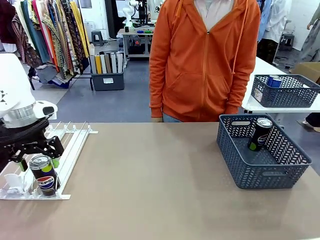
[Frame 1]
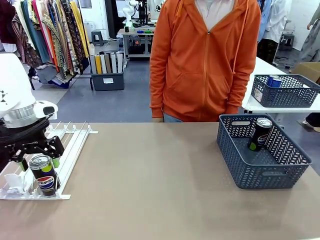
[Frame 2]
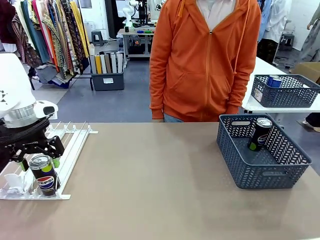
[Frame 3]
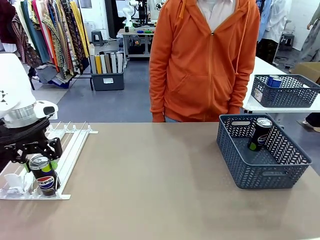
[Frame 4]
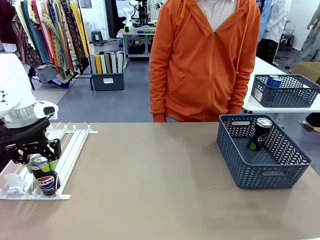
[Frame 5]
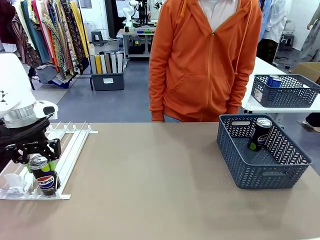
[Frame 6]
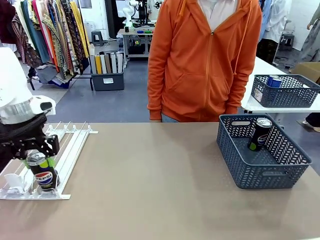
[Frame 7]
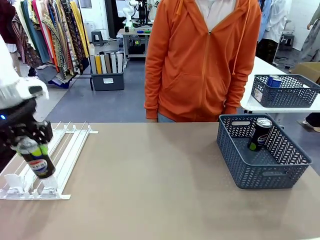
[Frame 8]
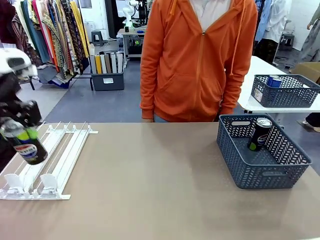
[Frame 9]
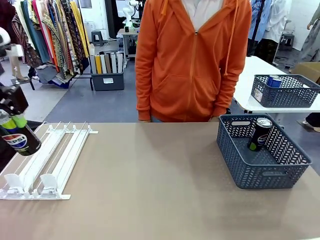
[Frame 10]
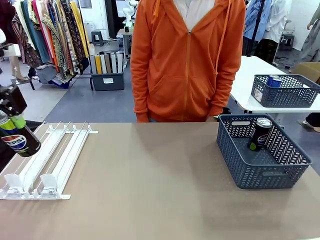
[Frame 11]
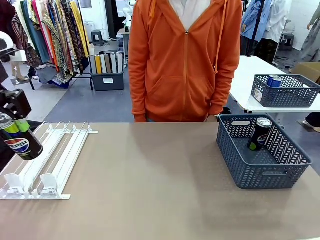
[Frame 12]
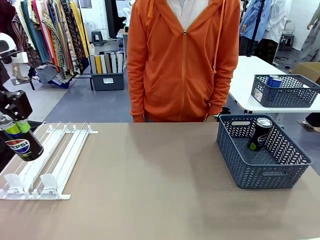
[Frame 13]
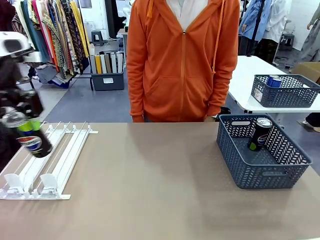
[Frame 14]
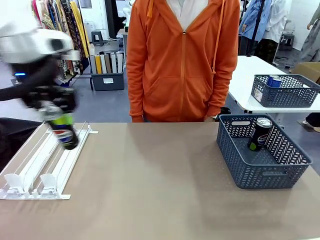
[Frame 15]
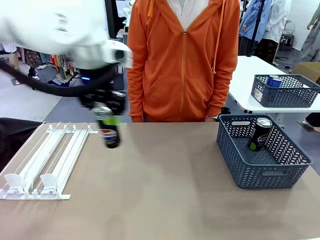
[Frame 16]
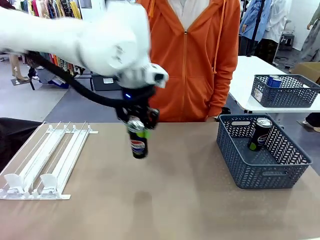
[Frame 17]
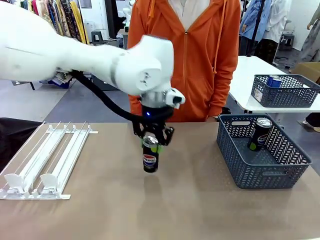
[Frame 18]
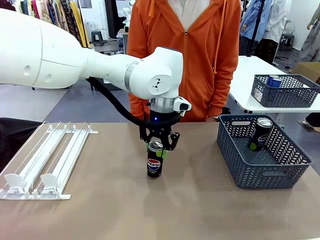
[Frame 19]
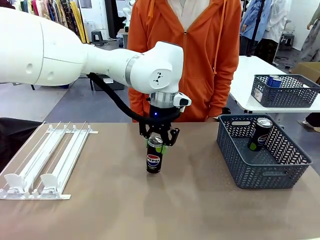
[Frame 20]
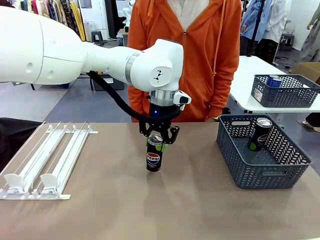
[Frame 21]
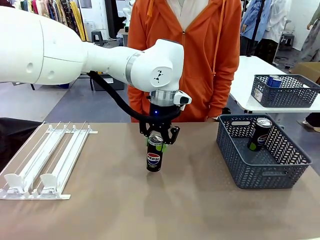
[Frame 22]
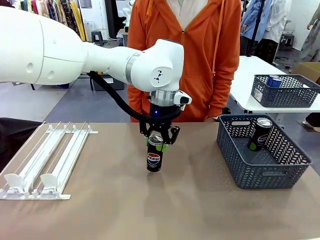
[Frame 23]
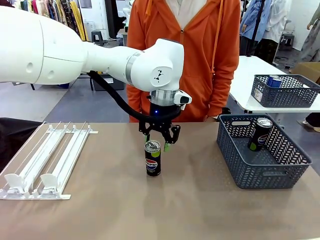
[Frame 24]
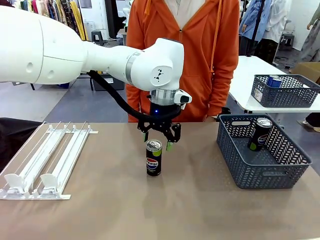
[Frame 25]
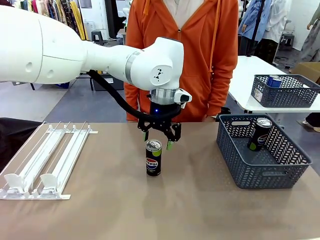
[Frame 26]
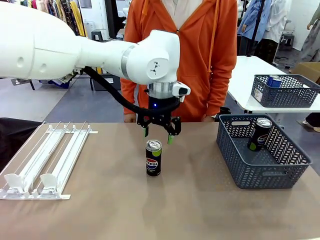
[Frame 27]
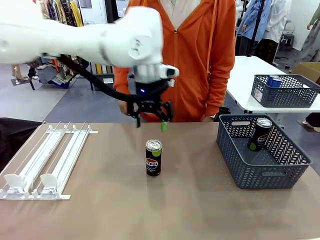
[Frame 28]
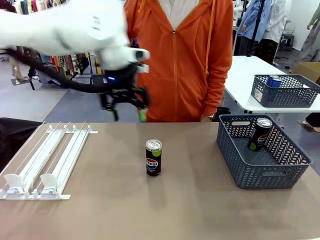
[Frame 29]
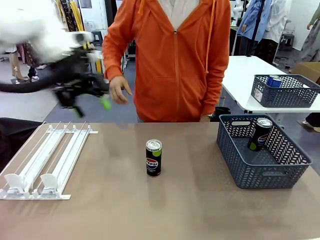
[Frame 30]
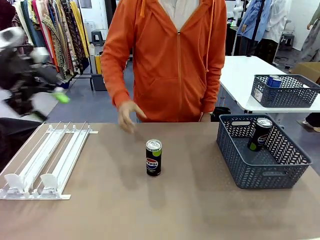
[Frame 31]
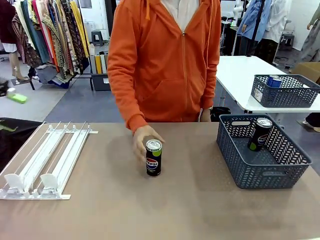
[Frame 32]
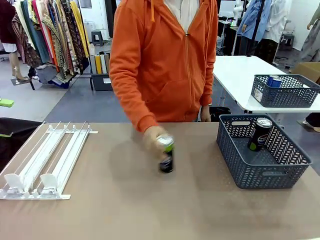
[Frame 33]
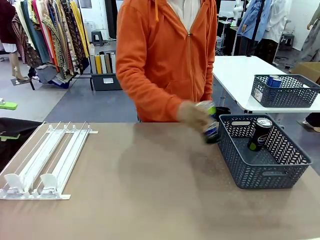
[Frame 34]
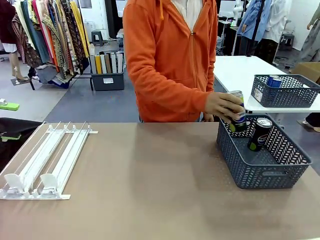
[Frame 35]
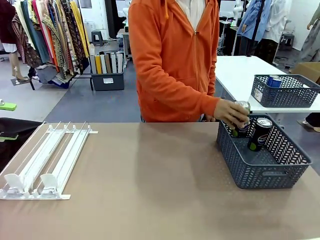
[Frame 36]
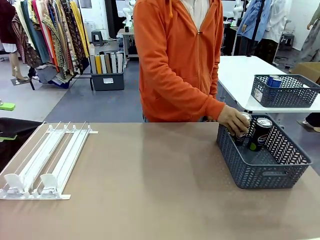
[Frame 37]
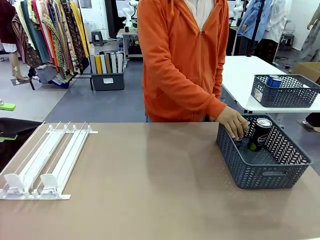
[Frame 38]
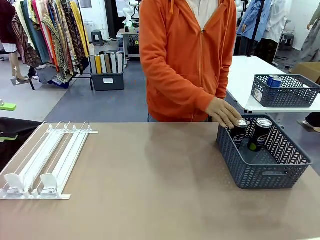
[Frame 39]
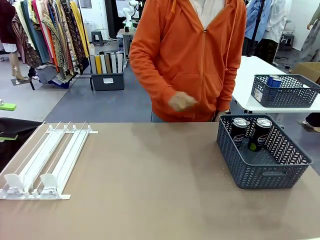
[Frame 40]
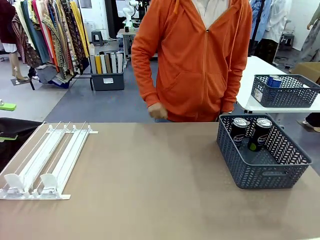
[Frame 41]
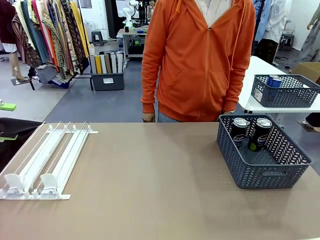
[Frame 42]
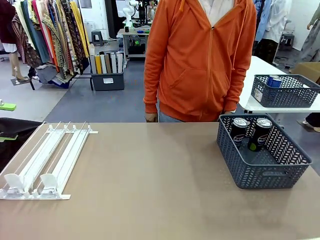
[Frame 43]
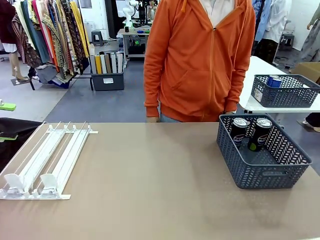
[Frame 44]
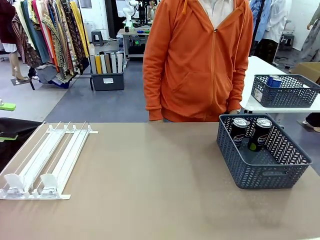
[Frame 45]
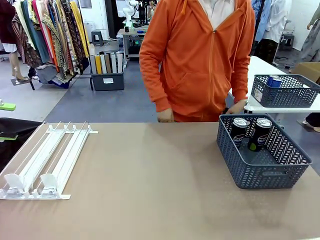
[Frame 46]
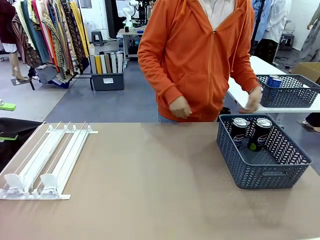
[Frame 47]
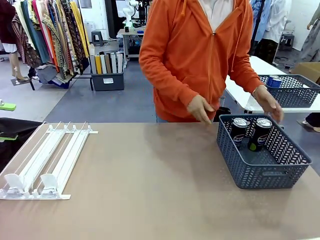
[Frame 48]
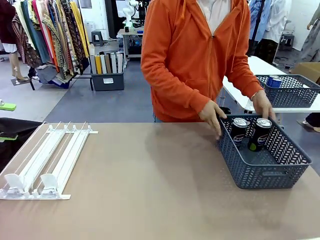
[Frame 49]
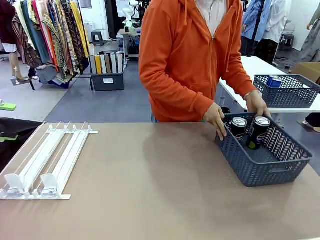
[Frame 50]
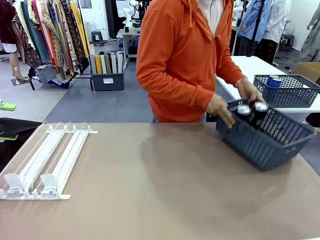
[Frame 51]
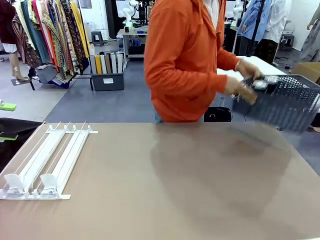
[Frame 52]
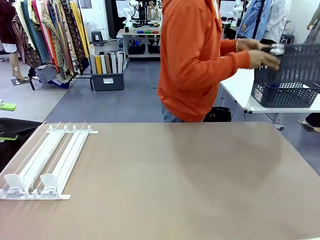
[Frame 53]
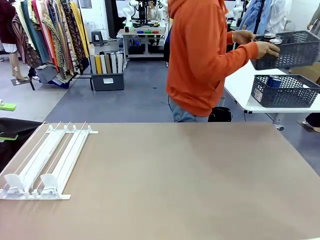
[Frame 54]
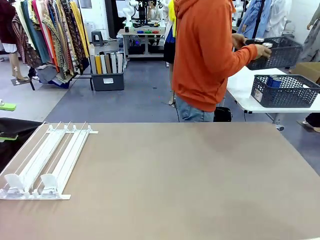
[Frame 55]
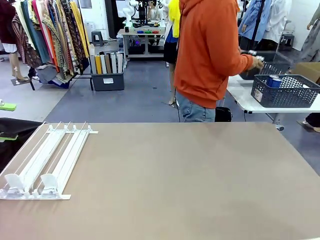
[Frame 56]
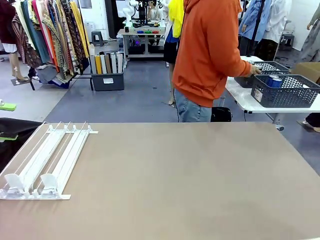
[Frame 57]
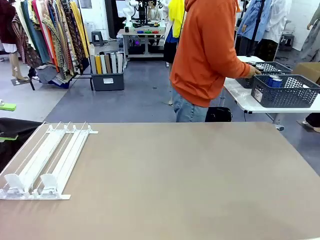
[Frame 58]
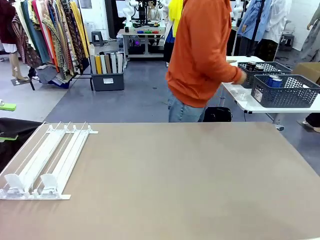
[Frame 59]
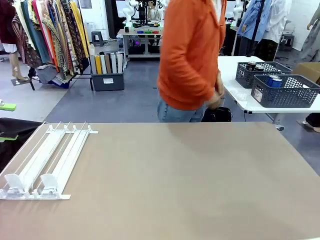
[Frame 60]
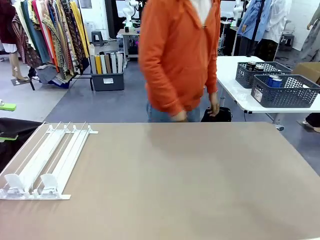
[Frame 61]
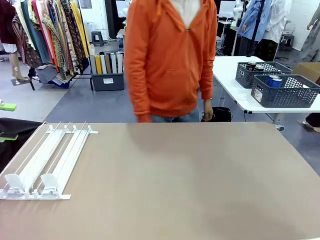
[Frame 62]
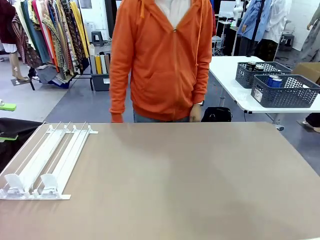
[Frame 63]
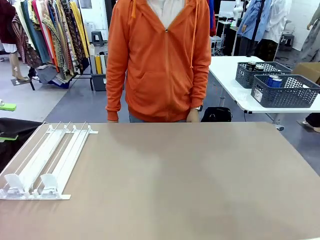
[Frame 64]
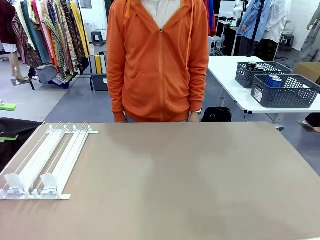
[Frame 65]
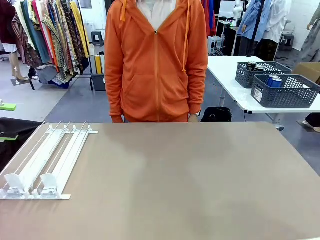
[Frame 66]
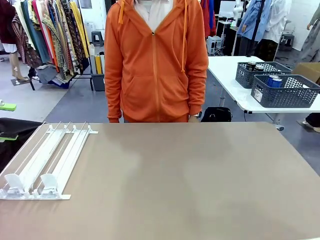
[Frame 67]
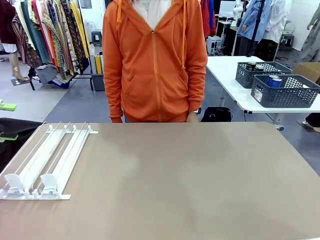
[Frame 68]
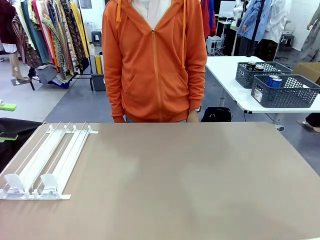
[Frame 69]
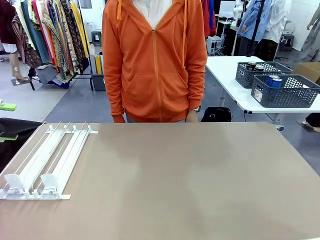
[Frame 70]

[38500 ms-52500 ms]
Task: Retrieve and store the cans from the dispenser.
Robot: Pick up one can from the Automatic Can Dispenser and place it in the middle of the table.
Person: Pick up one sports drink can from the middle of the robot table and place it in the basket. Pick up the basket and place it in the middle of the human table.

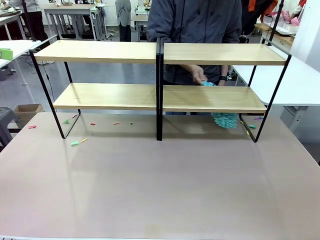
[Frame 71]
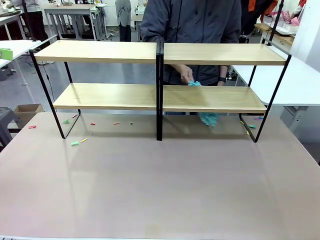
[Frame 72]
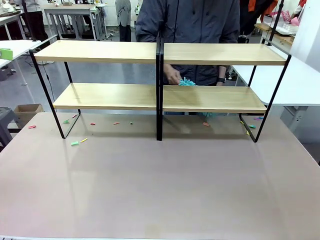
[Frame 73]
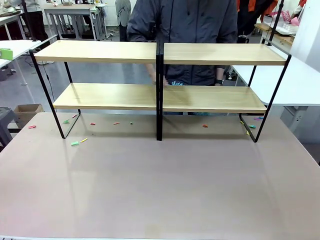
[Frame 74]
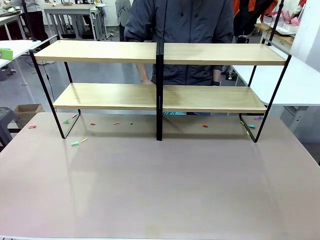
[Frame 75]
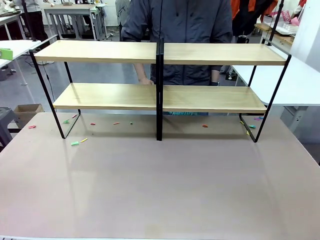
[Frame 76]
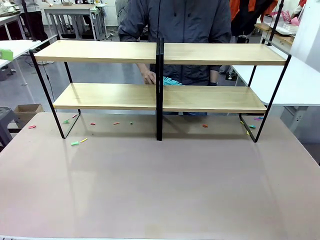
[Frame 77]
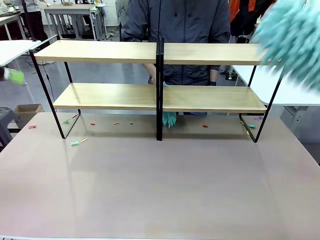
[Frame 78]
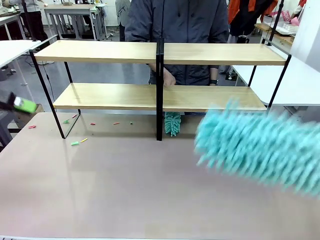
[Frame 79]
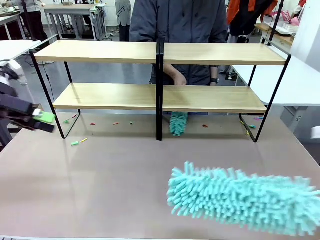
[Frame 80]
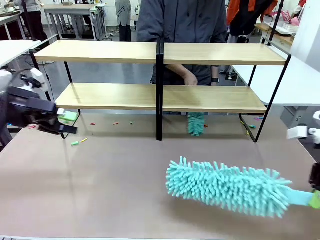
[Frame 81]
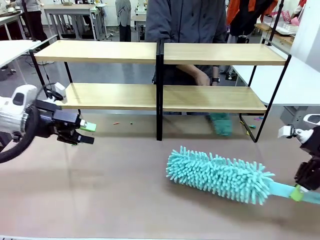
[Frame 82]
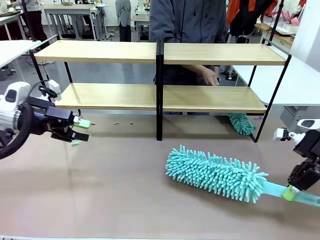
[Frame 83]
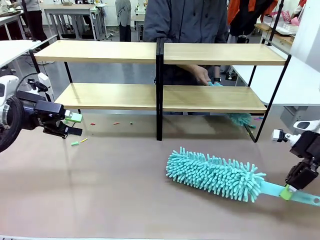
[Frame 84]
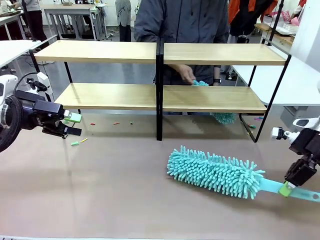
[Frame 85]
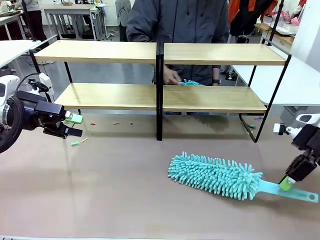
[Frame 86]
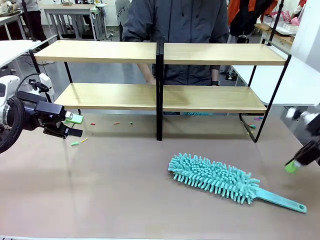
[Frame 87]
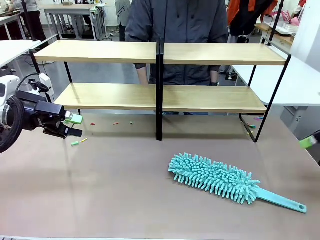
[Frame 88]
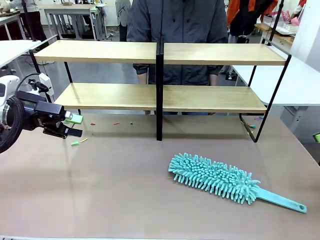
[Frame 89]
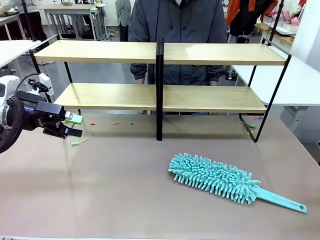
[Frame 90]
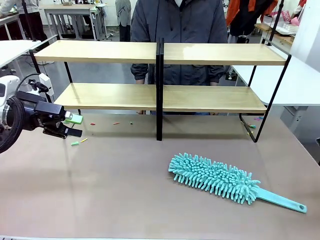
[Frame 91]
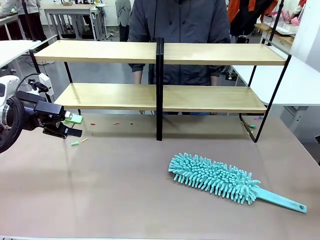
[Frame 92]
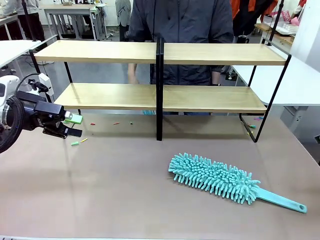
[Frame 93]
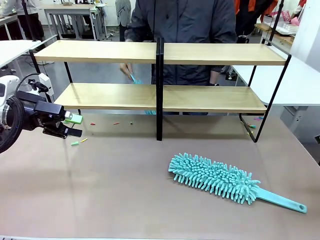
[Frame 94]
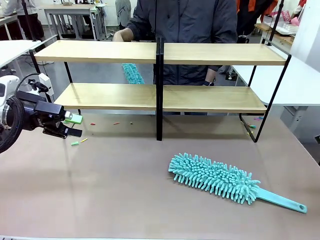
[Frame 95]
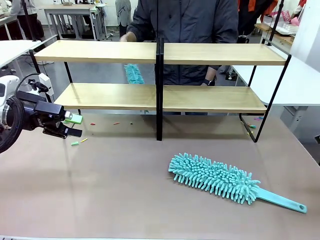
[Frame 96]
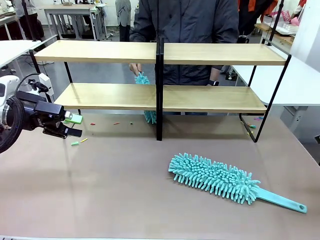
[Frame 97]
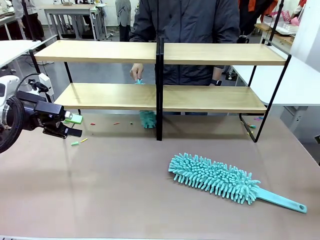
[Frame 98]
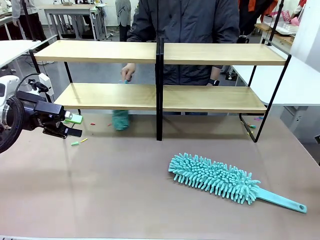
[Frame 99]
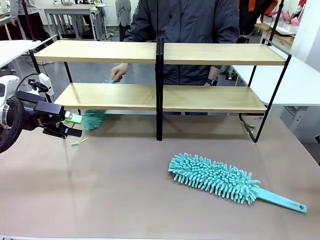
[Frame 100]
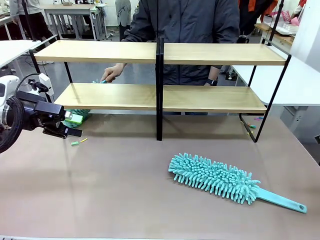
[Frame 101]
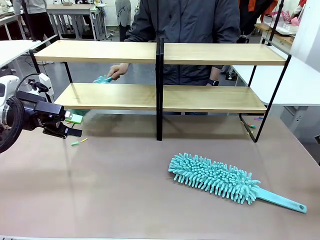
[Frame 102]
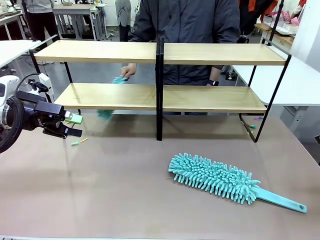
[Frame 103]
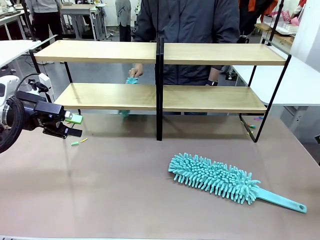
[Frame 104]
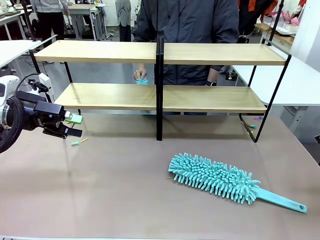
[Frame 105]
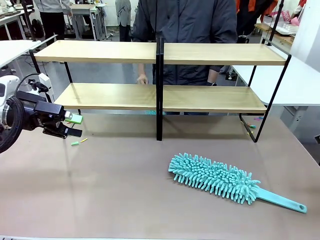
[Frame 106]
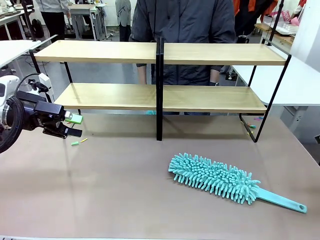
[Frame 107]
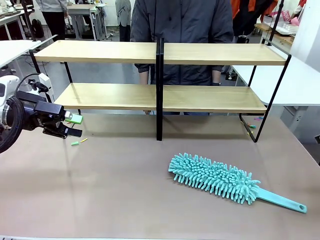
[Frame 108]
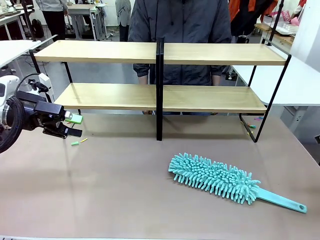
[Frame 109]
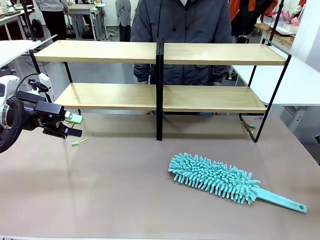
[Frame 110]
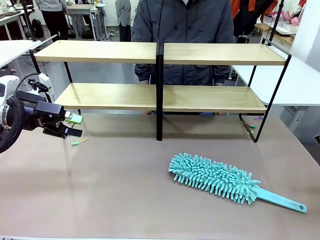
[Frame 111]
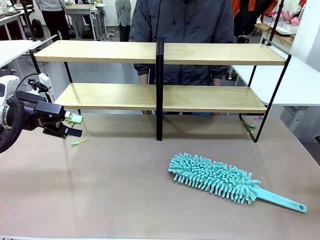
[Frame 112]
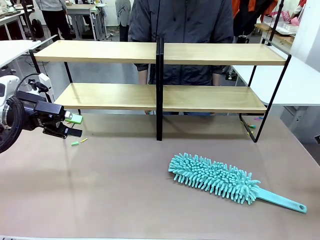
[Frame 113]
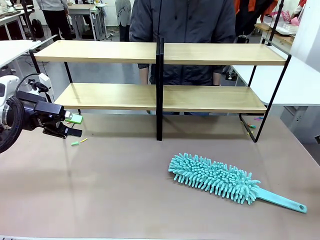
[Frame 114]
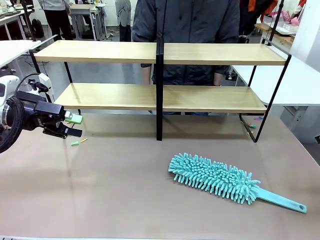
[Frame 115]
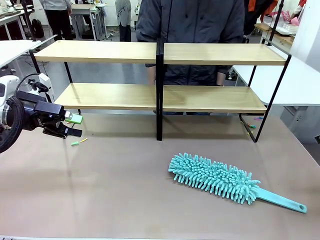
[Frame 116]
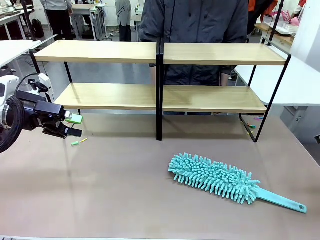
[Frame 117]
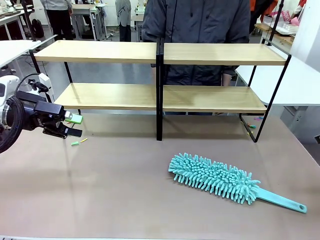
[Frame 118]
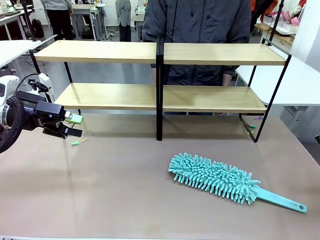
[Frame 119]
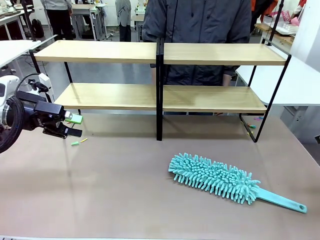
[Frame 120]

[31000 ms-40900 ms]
Task: Clean the shelves.
Robot: Place the Duster on the table.
